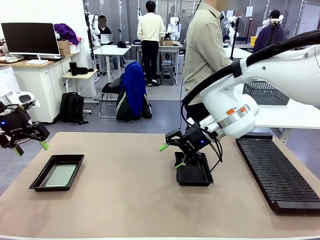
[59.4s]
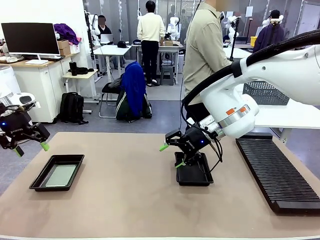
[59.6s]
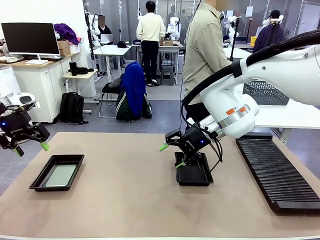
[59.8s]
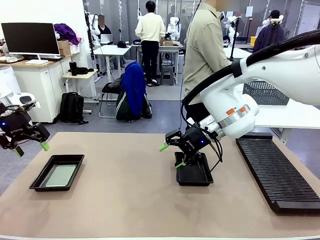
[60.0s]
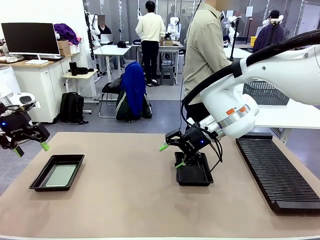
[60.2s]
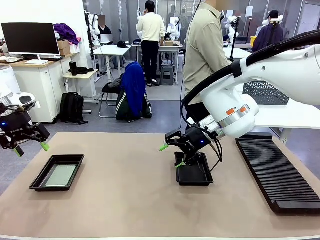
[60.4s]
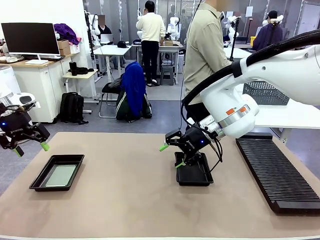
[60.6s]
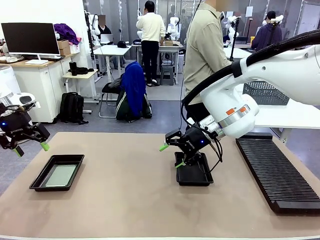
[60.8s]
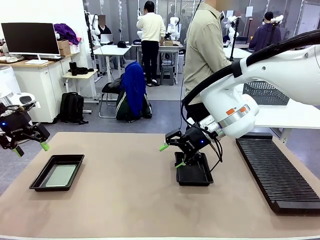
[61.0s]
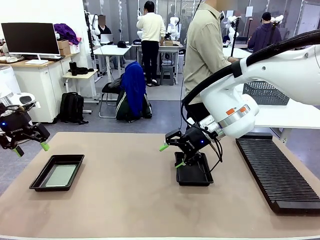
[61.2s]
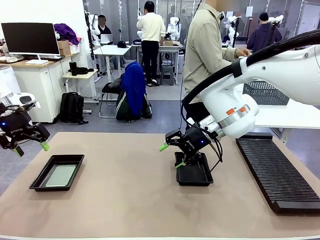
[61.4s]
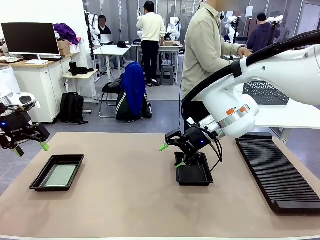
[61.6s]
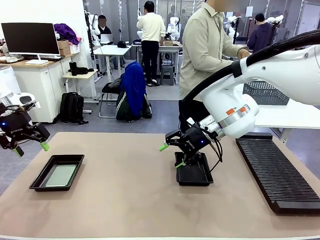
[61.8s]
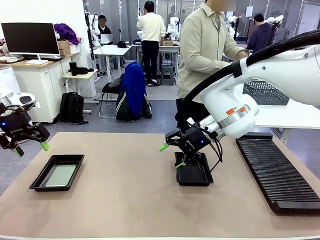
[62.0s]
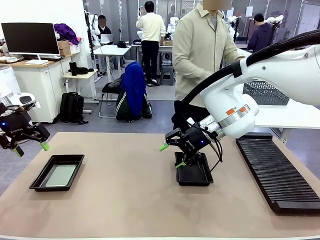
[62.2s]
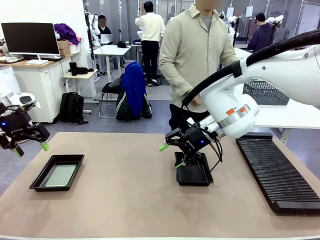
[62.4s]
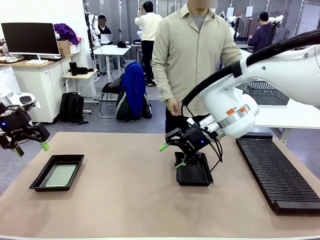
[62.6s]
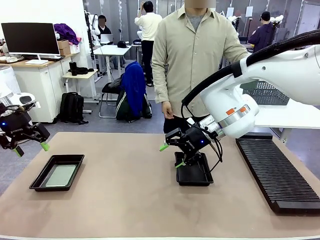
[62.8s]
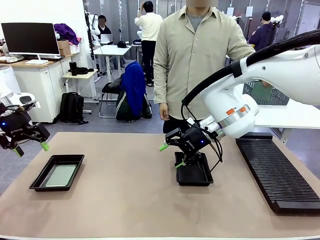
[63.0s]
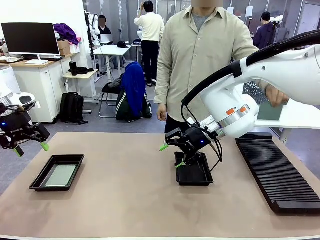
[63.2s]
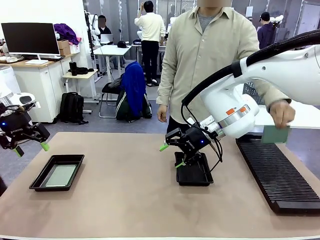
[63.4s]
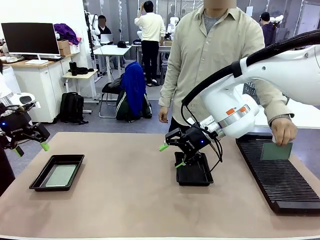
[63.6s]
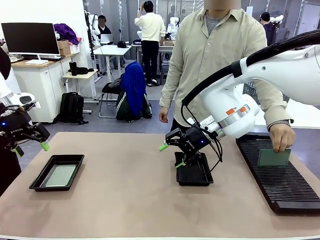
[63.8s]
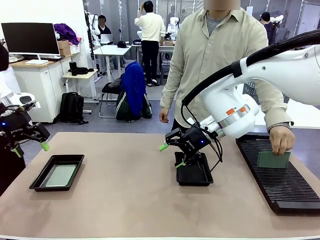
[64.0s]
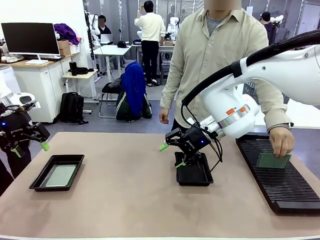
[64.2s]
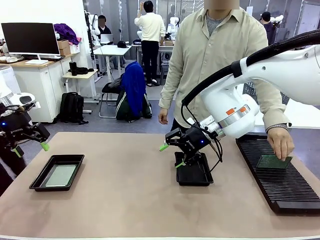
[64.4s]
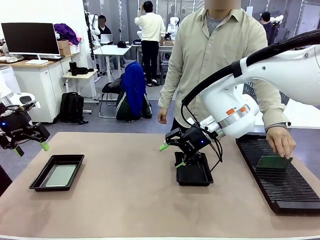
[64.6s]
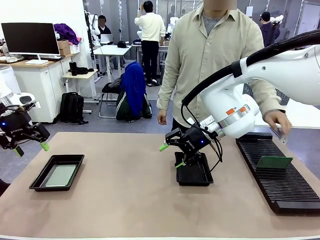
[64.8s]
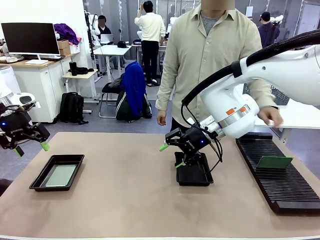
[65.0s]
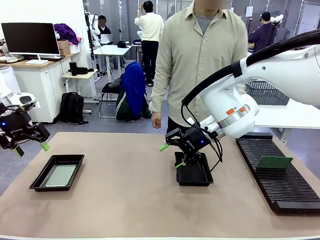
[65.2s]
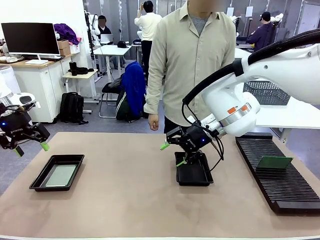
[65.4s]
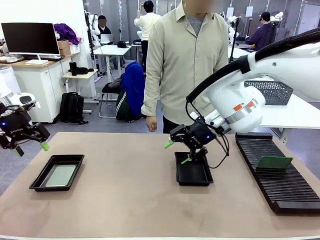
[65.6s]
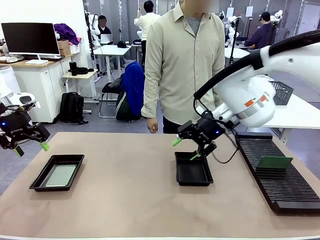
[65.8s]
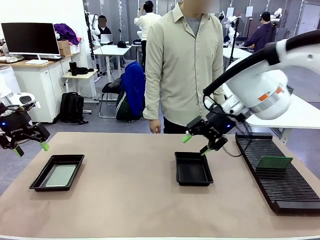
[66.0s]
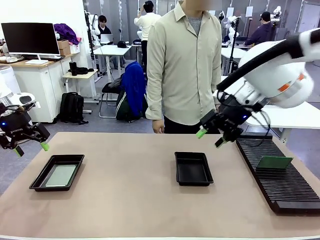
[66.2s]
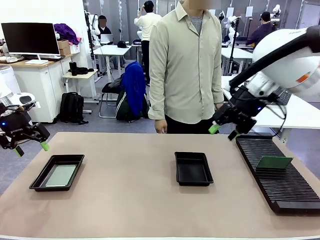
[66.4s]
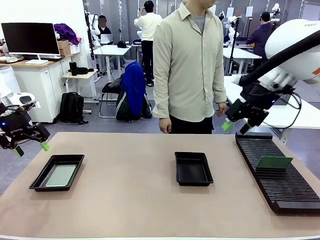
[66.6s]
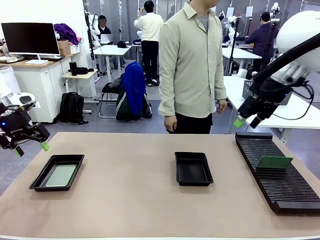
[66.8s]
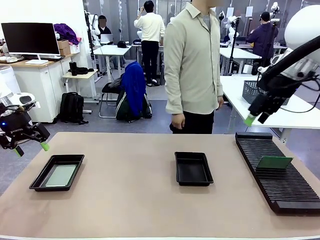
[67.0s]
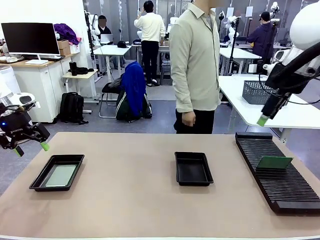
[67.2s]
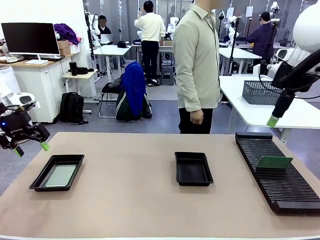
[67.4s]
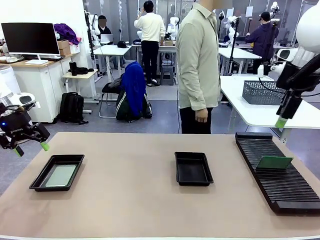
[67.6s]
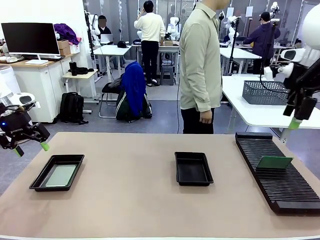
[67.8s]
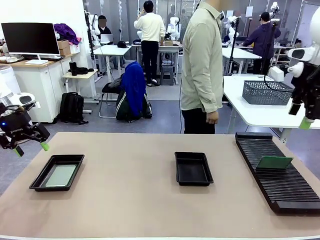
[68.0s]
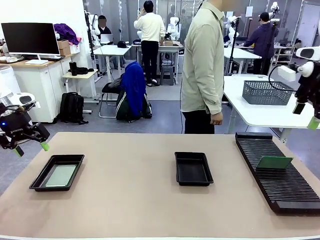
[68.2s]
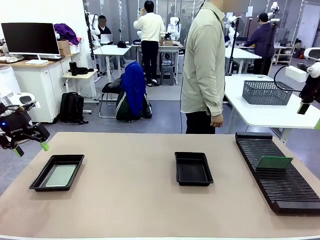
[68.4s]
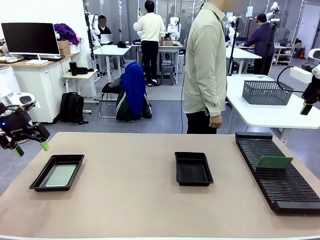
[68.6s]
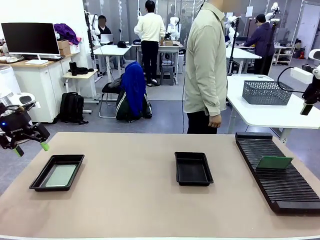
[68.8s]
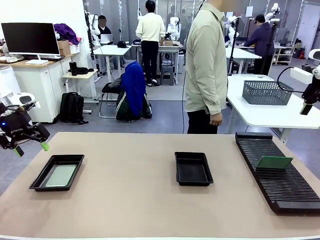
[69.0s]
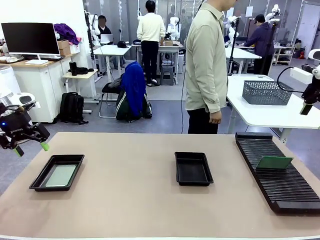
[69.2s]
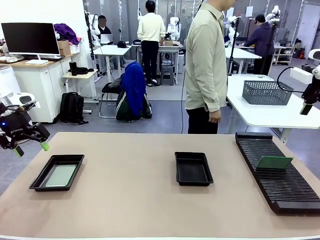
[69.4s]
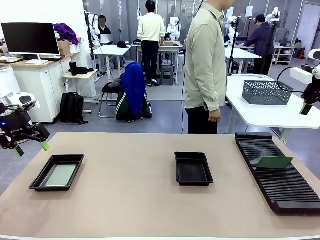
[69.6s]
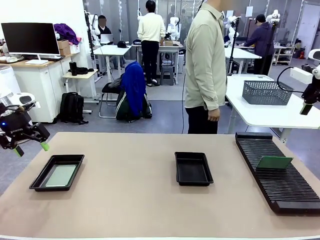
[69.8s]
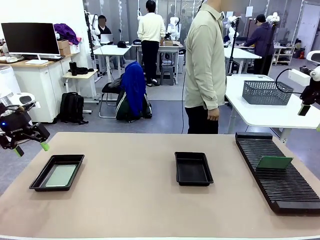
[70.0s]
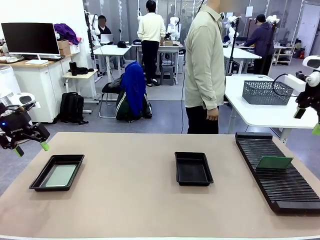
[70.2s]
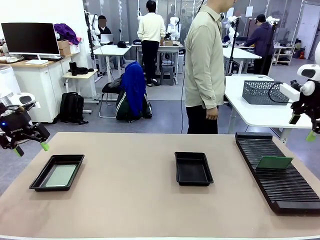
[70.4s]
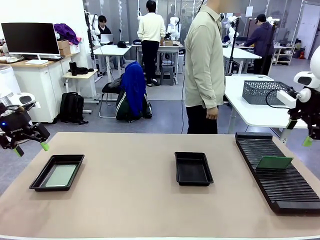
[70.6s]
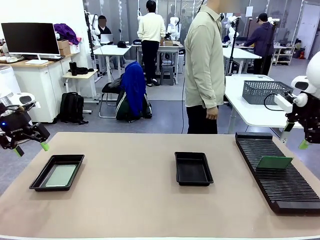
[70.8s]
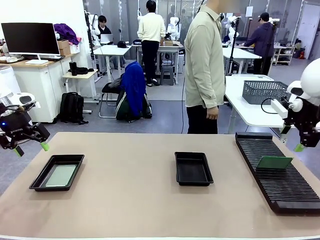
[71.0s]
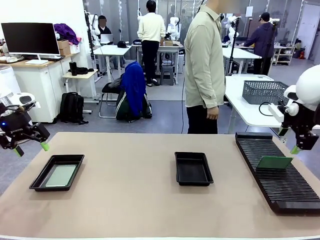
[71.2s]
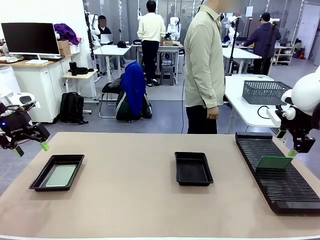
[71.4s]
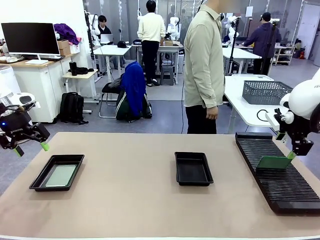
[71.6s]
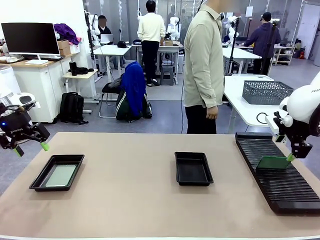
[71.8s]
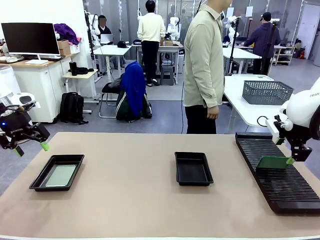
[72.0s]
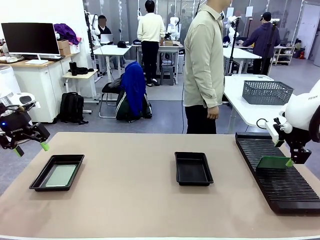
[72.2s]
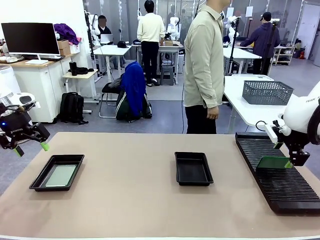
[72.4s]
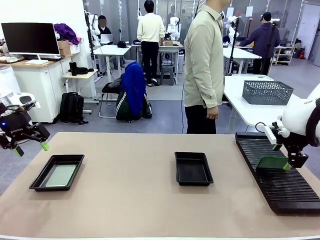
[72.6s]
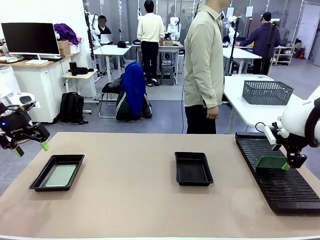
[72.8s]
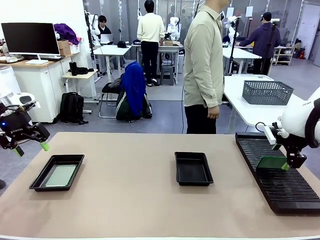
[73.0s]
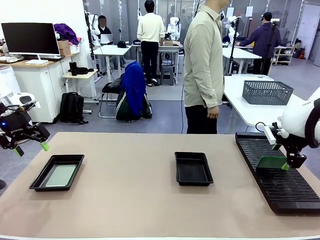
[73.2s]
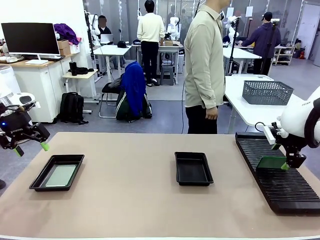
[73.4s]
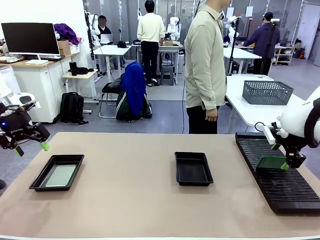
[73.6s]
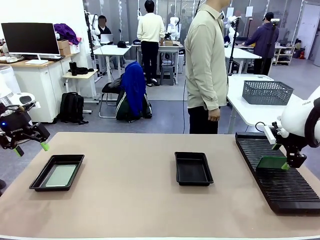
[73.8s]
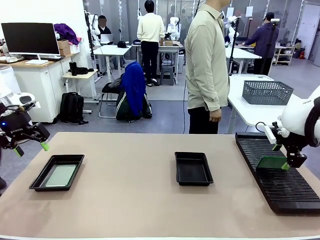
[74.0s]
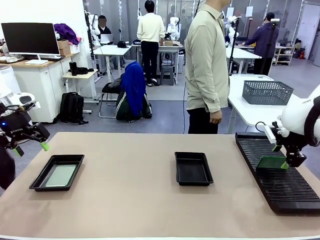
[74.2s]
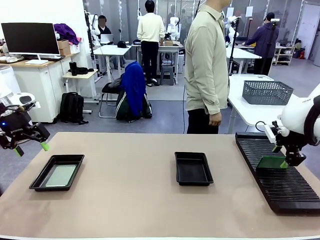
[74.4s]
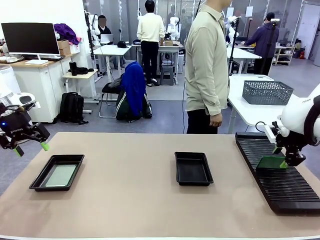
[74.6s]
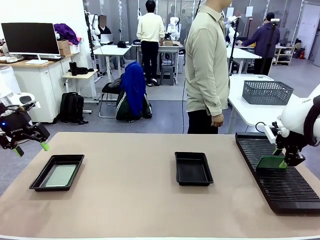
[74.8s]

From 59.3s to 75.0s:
Task: Inspect and transfer BCBs to ESD trays.
Robot: Pick up the Blank PCB from the PCB Rack and place it in the right ESD tray.

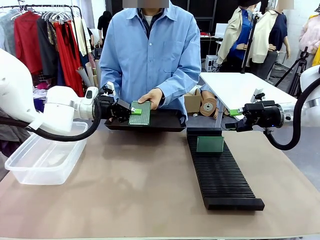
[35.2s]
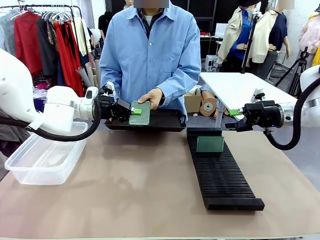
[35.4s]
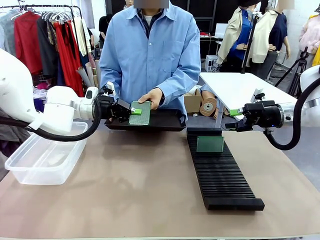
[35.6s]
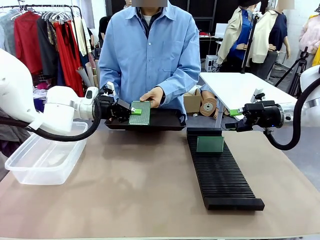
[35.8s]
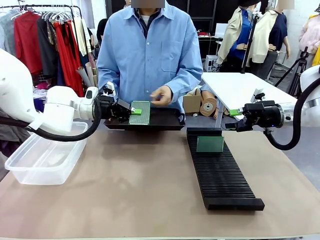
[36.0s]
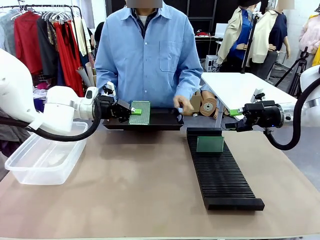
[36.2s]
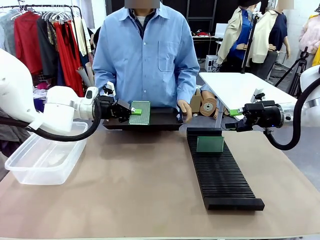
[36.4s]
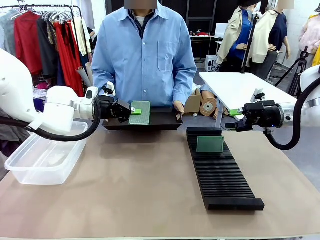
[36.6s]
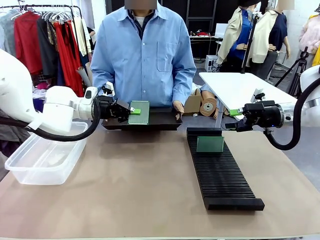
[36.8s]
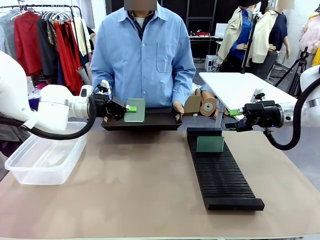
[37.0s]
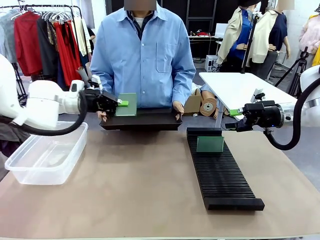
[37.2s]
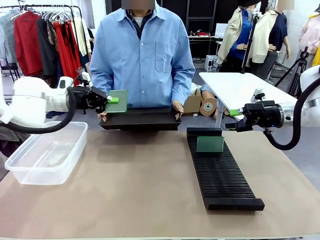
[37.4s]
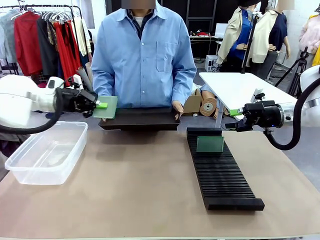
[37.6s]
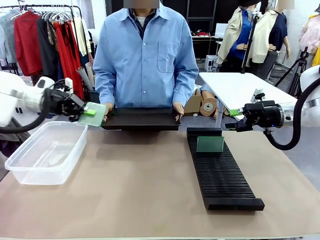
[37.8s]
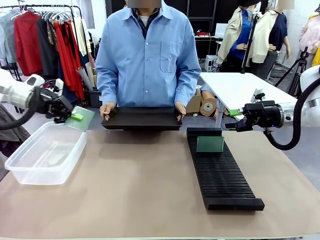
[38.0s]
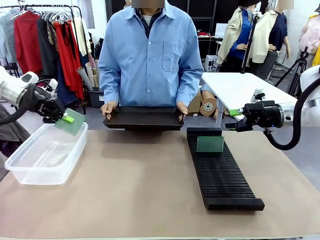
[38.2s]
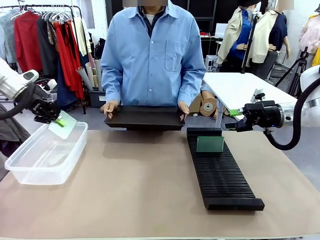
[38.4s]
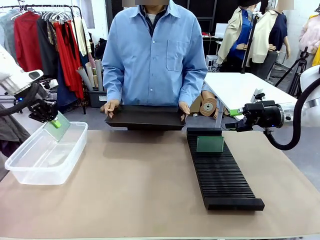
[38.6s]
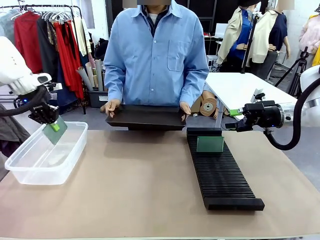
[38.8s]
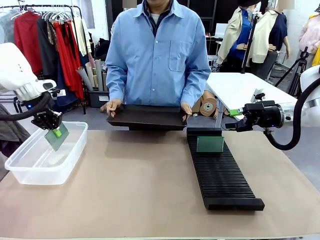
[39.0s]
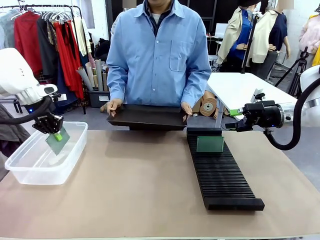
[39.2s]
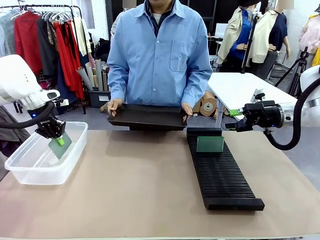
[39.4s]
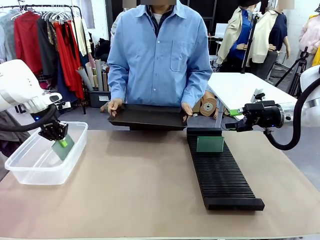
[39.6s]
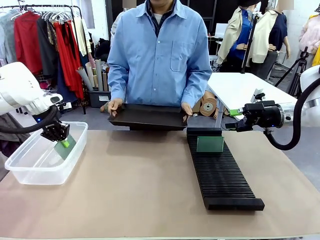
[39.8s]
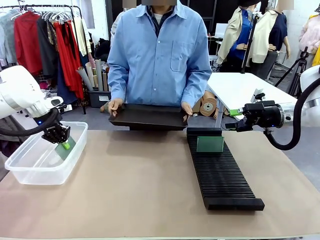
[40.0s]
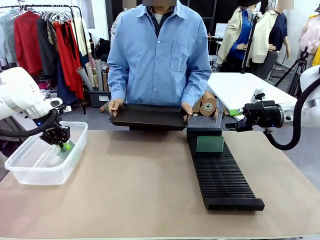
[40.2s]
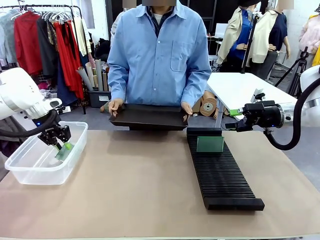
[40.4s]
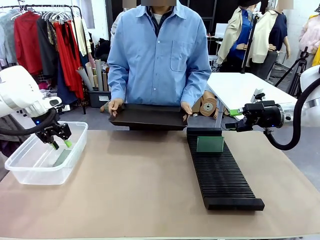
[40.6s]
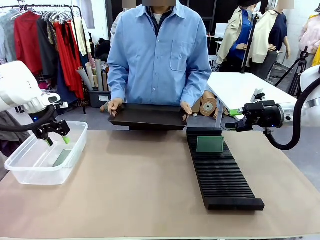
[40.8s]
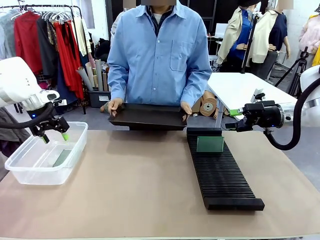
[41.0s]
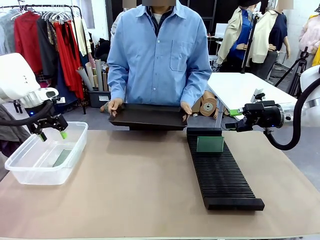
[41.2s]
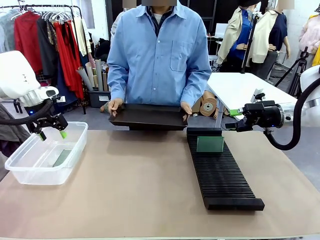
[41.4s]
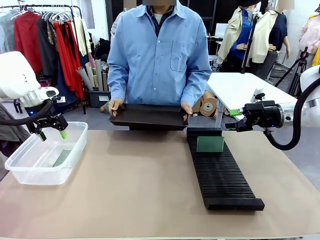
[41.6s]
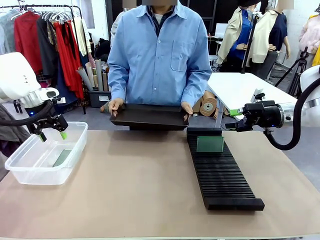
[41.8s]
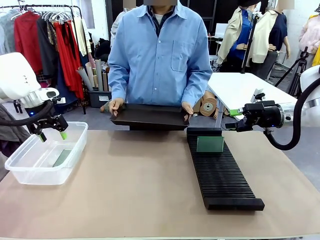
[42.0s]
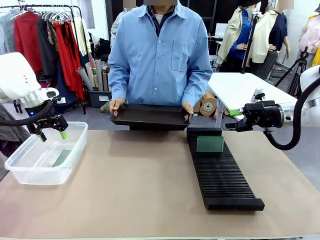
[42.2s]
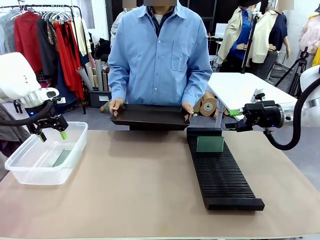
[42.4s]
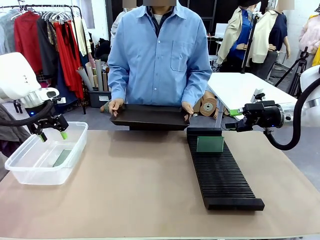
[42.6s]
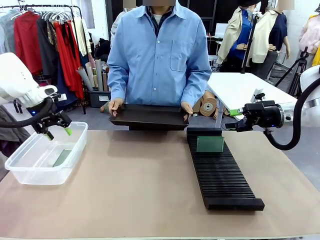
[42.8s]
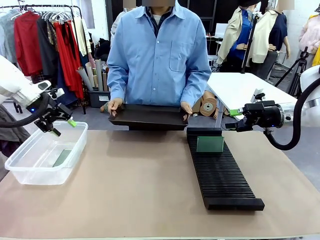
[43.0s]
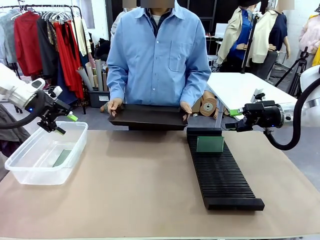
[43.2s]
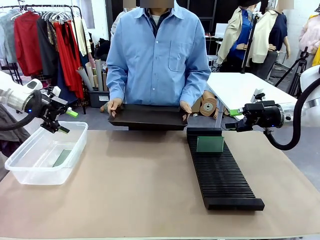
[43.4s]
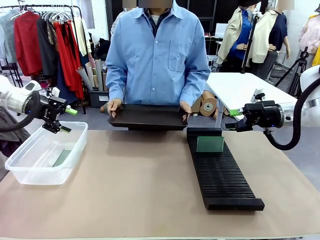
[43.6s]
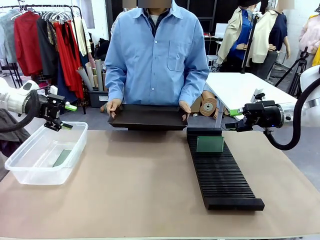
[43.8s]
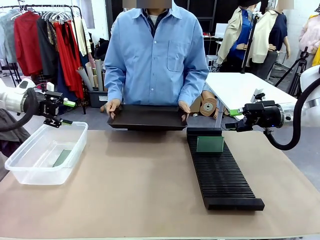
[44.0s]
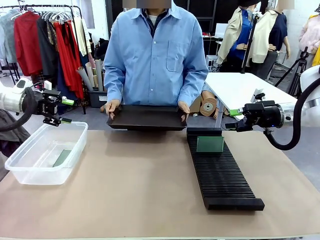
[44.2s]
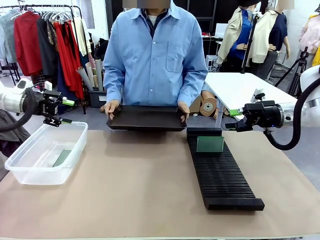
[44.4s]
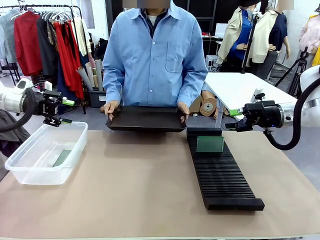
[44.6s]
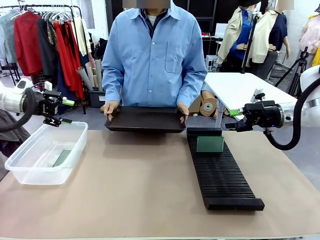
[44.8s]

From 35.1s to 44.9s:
Task: Sort PCBs into racks and boxes based on the side picked up.
Robot: If the short side of the Blank PCB is picked up, insert it into the PCB Rack ; if the long side is picked up, place it in the Organizing box.
Person: Release the PCB being held.
